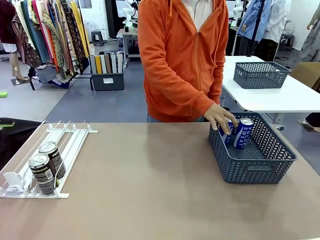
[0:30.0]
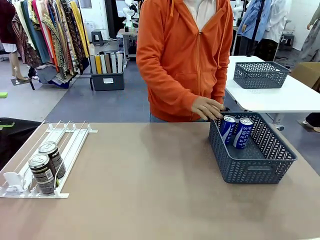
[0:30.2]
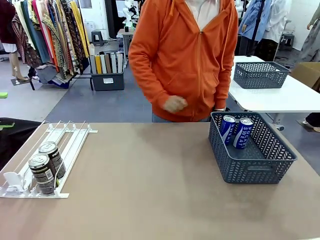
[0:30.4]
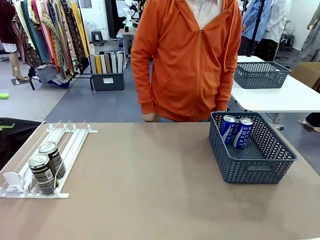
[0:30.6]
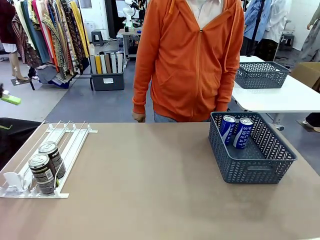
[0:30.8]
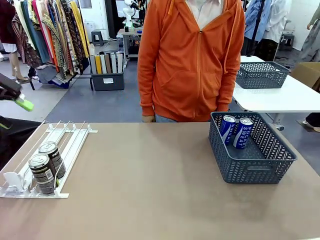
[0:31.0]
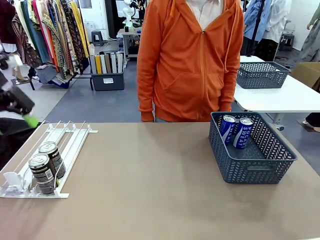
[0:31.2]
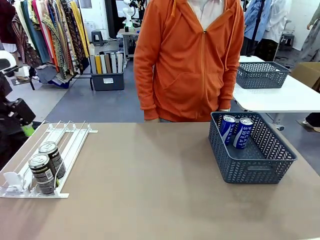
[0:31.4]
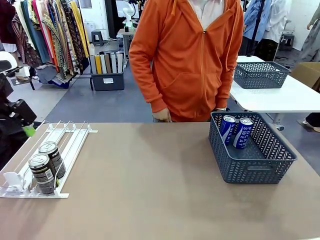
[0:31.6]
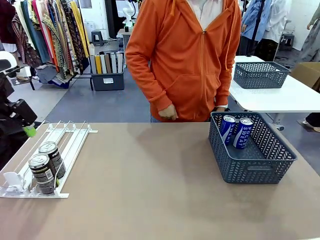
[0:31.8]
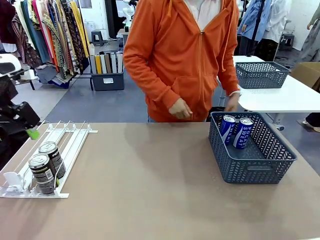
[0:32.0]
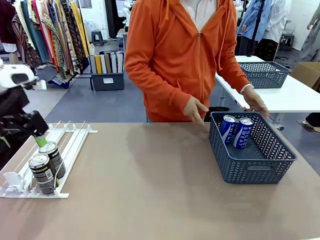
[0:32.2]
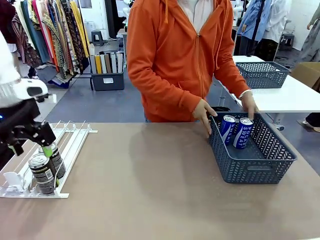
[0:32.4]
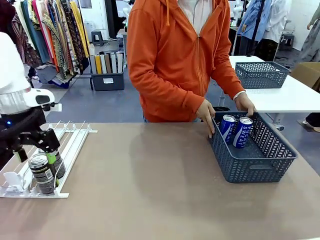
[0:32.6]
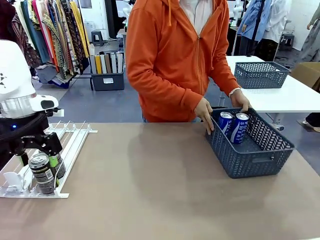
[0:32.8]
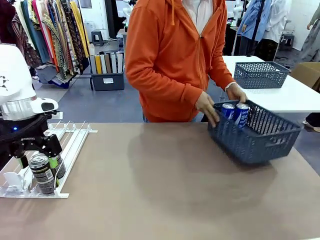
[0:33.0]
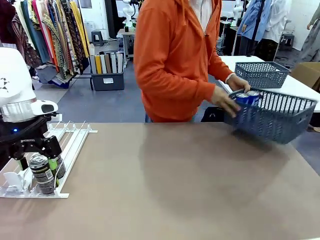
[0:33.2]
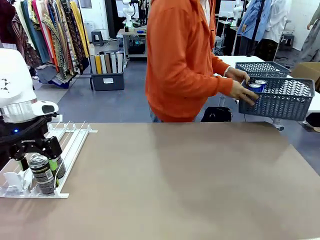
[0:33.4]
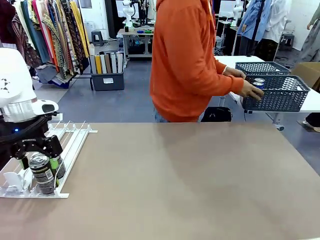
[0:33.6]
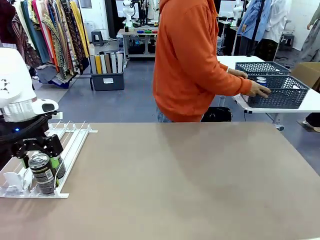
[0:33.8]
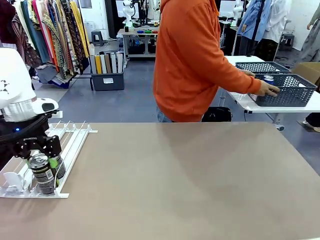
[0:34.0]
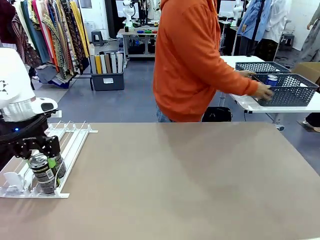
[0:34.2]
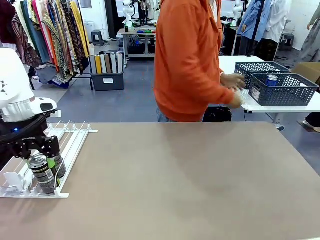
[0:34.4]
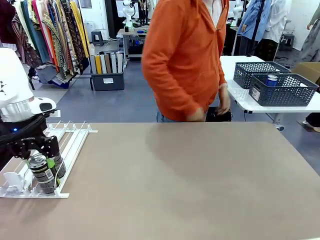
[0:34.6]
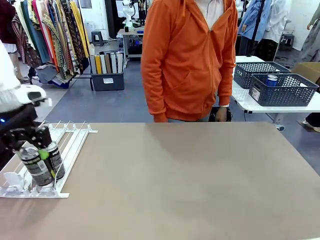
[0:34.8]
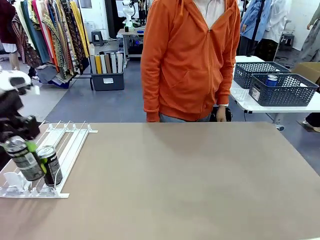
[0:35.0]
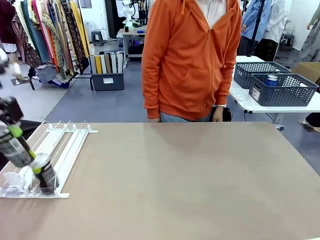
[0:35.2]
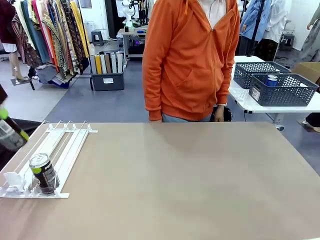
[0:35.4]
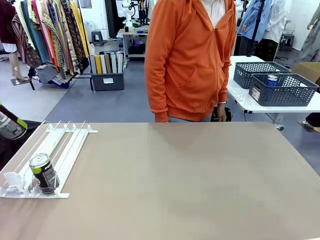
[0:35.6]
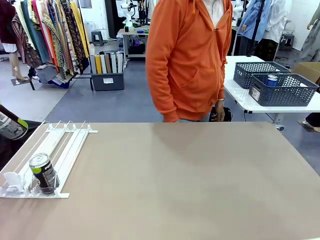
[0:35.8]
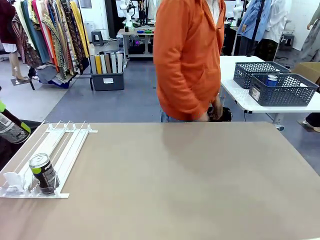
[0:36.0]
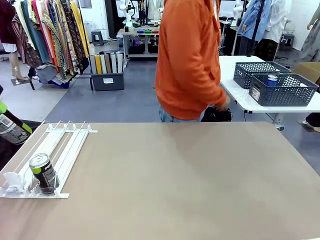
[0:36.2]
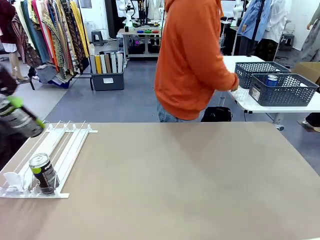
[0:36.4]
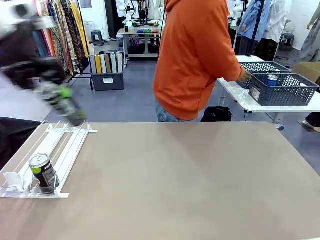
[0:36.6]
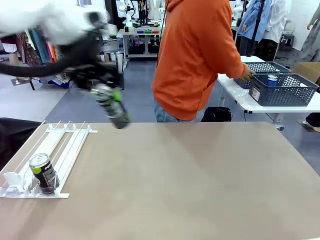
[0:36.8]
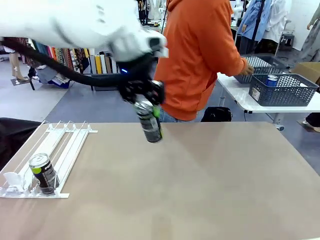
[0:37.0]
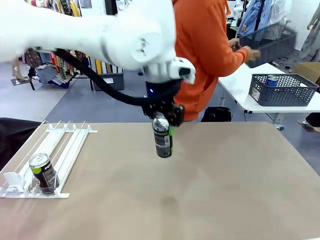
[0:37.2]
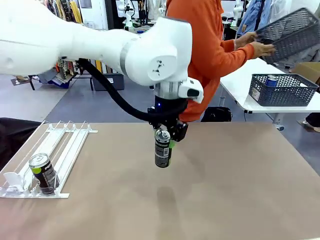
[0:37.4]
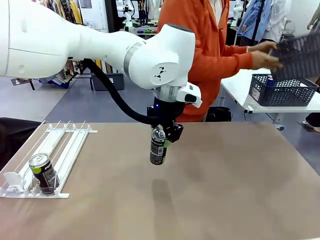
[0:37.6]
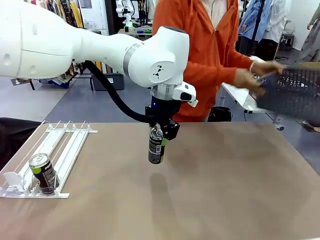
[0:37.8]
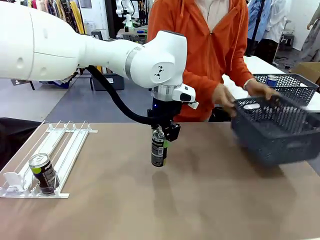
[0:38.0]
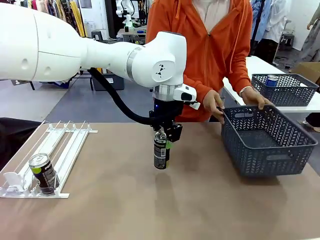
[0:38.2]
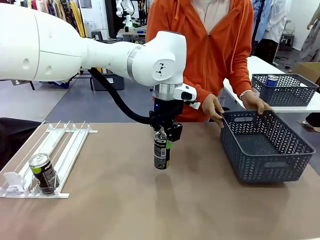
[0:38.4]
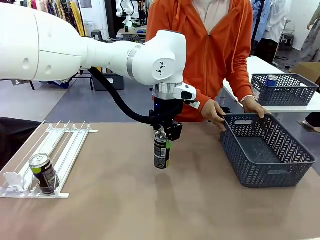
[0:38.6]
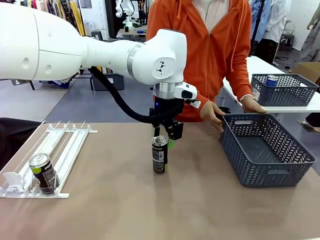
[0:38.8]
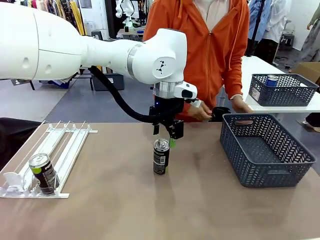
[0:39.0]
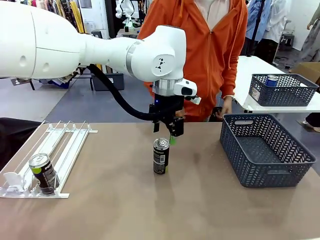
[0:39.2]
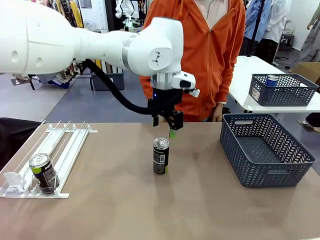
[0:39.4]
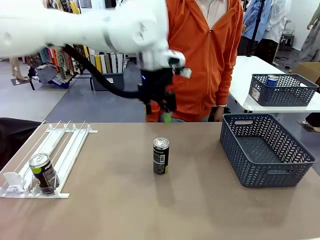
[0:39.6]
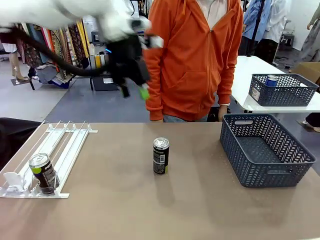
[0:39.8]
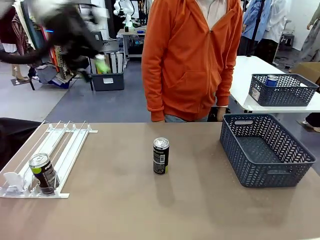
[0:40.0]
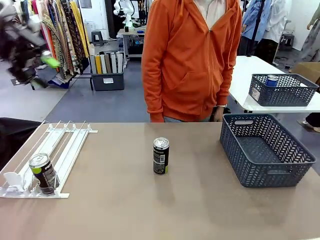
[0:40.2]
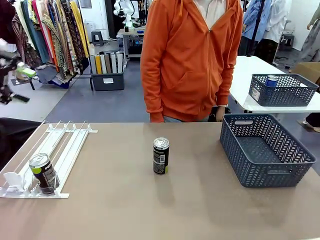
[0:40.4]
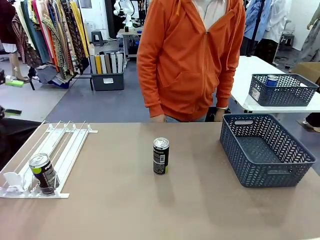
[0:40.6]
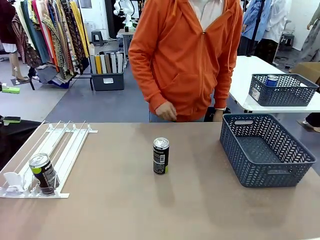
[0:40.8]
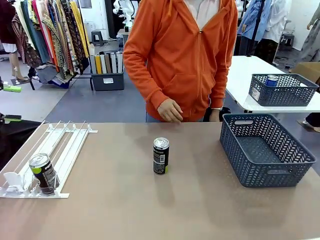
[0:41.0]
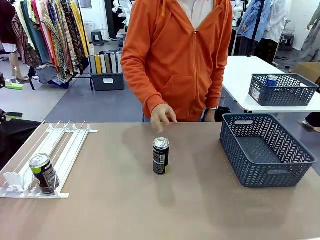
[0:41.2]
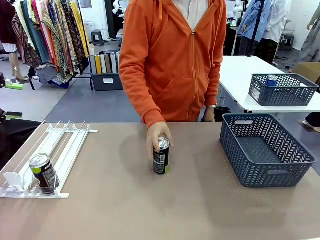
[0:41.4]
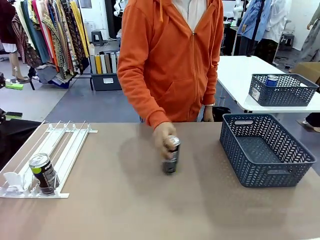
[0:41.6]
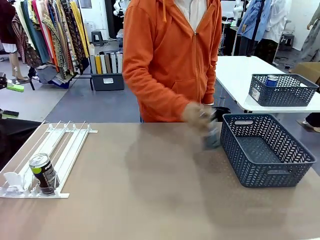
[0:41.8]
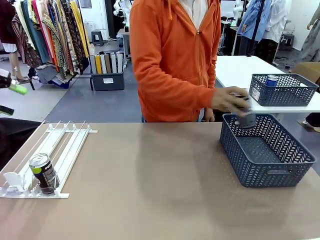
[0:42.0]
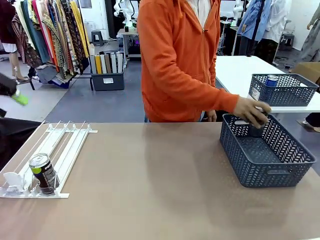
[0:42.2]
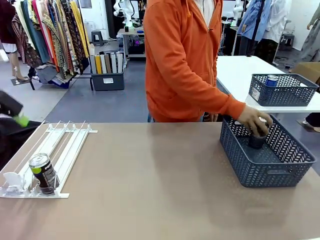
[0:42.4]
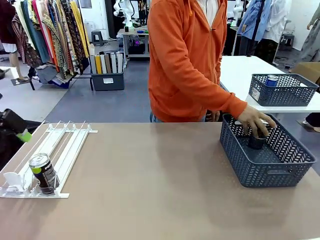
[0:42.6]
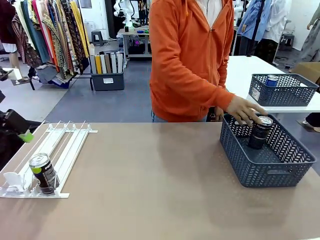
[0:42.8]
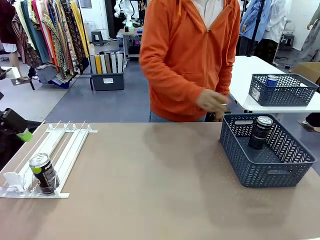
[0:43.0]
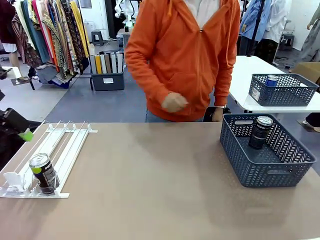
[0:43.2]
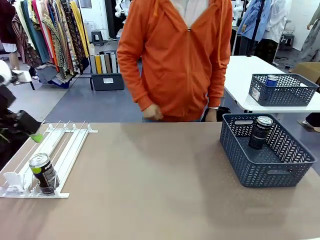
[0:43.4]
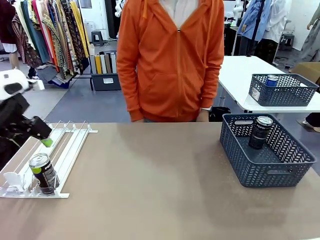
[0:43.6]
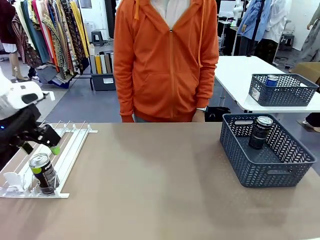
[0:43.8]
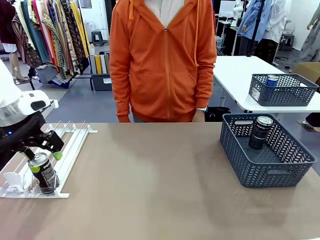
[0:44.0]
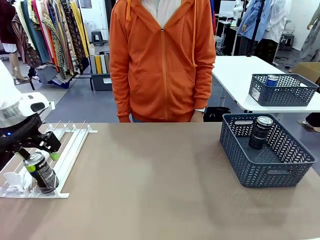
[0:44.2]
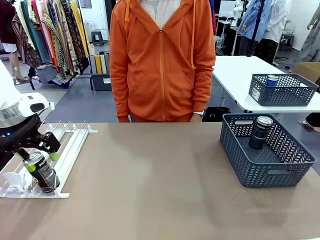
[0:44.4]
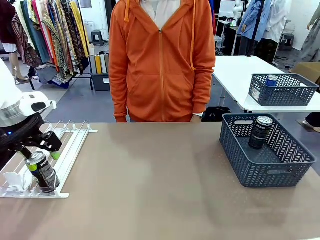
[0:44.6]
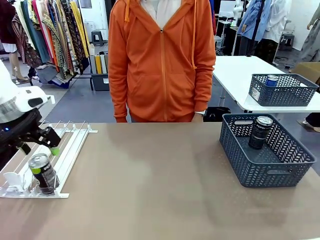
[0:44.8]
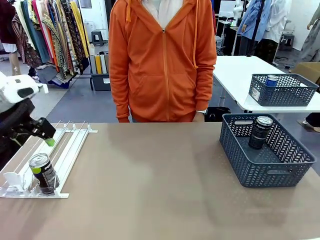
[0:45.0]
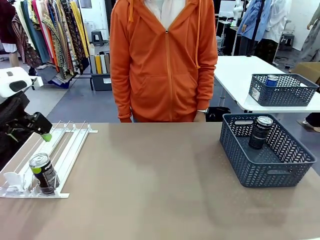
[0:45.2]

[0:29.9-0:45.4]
Task: Retrieve and store the cans from the dispenser.
Robot: Pick up one can from the Automatic Can Dispenser and place it in the middle of the table.
Person: Pick up the basket and place it in the middle of the human table. Pick up the empty basket and place it on the left side of the robot table.
